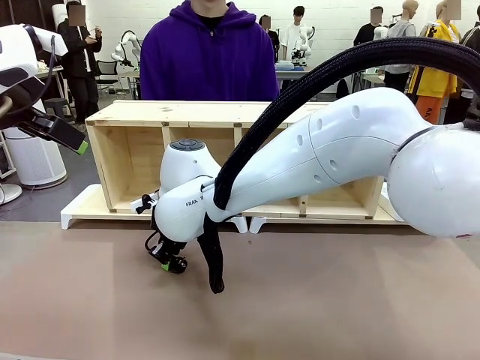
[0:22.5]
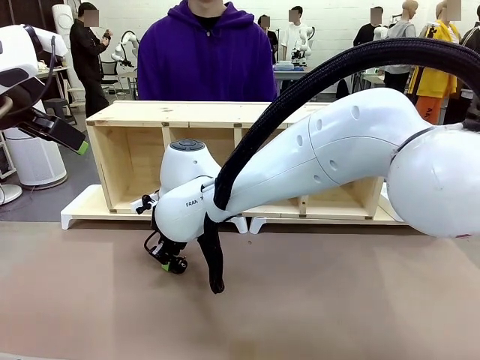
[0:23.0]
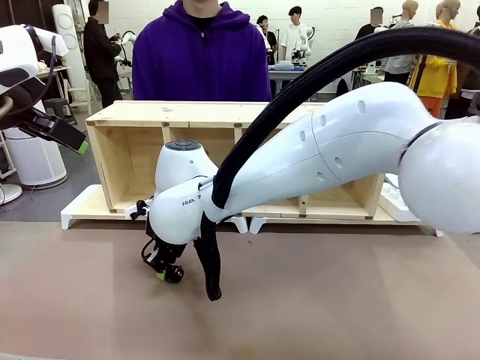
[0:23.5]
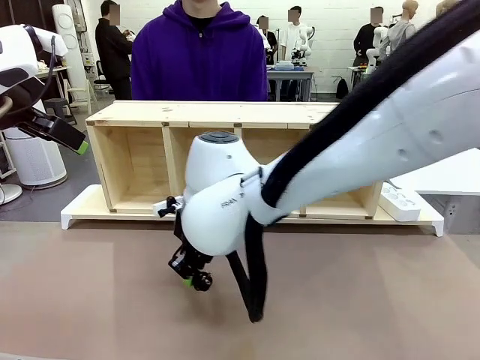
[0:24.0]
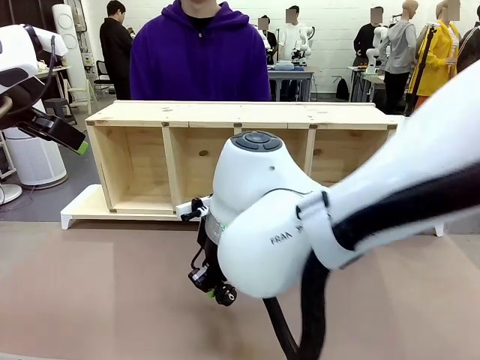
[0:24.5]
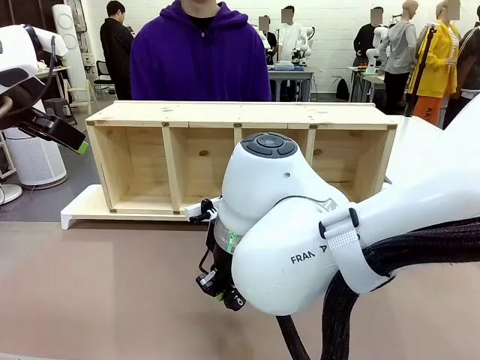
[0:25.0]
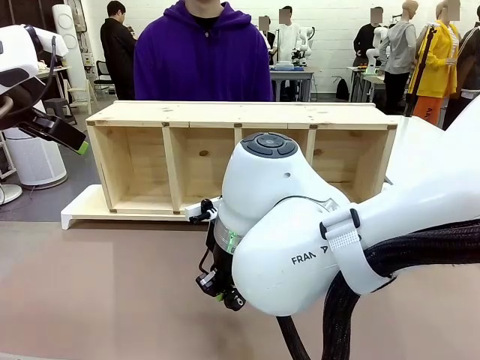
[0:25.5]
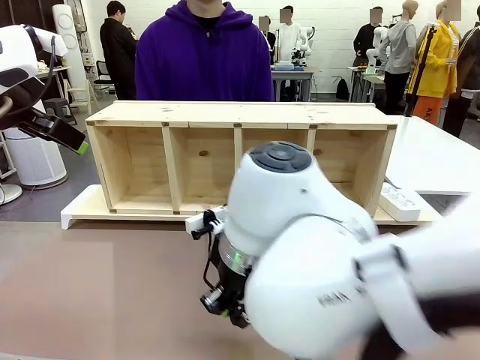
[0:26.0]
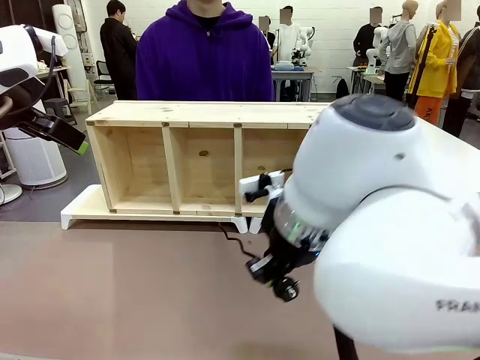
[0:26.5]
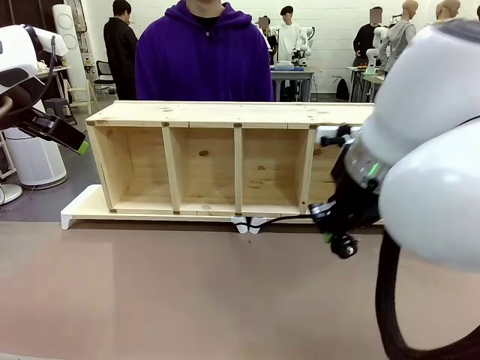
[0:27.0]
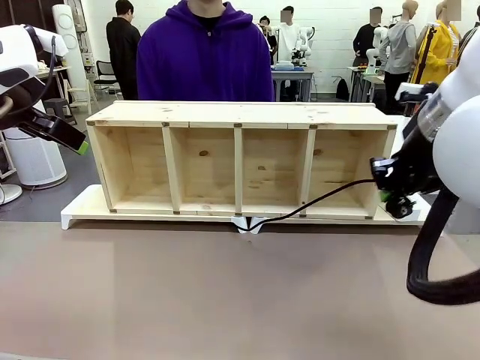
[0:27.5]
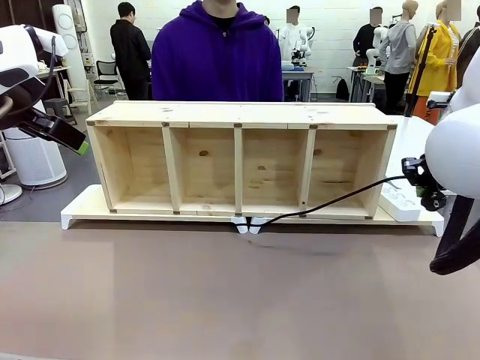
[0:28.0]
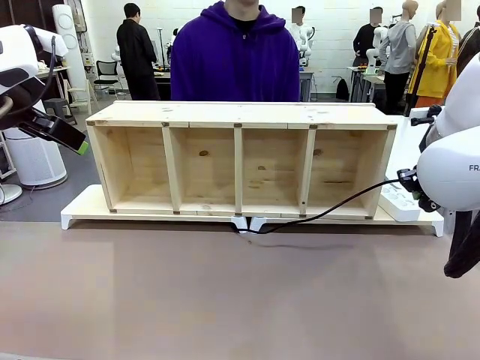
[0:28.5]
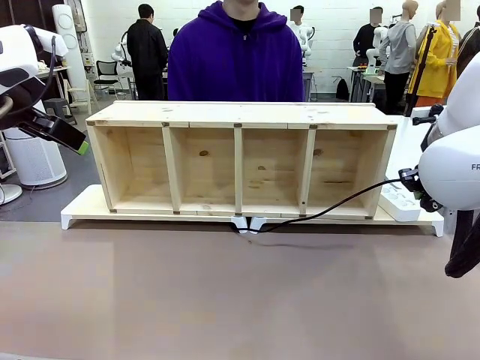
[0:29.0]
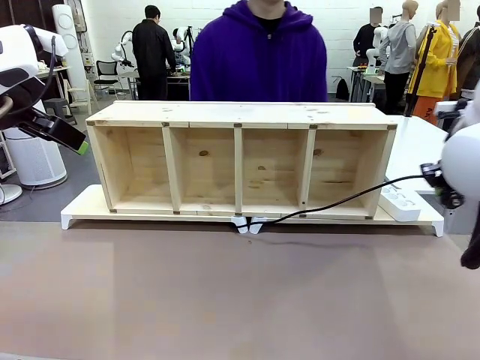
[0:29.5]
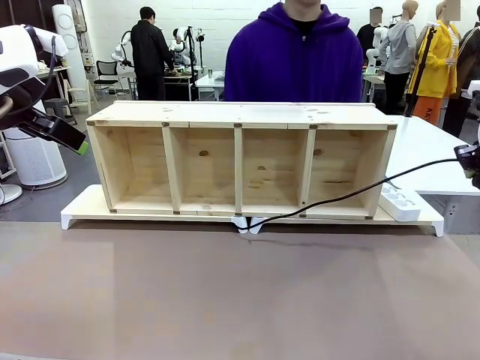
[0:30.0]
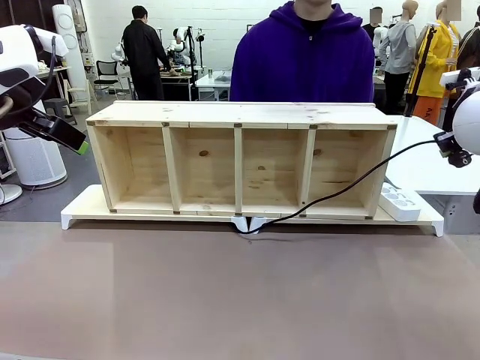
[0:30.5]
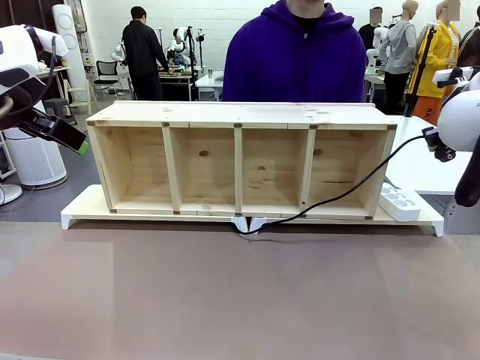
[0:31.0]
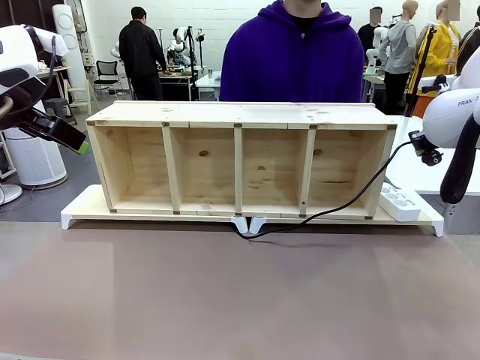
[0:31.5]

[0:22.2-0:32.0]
Task: Perform cable management.
Robot: Pull the grasped Power Cable to the location of the Power Strip.

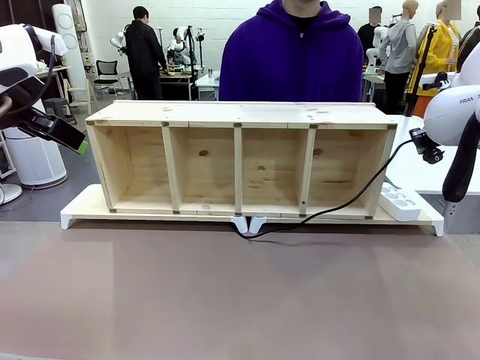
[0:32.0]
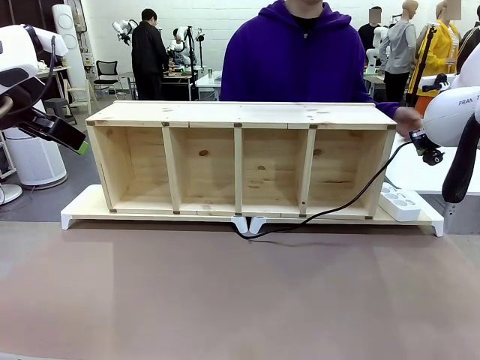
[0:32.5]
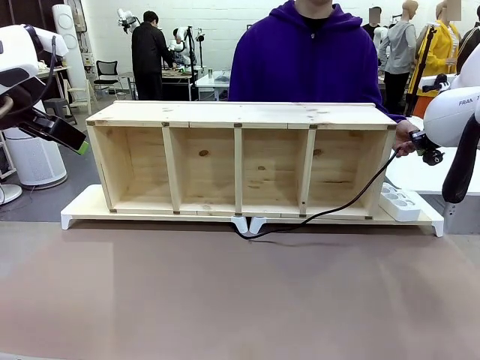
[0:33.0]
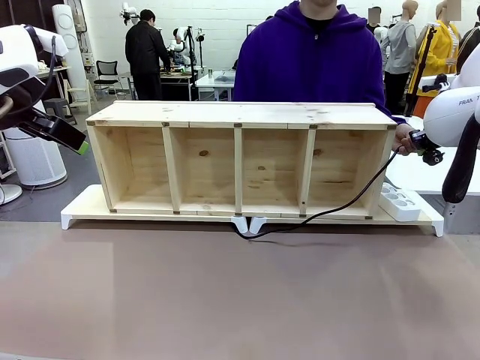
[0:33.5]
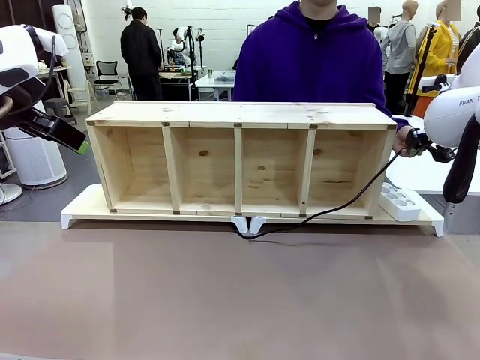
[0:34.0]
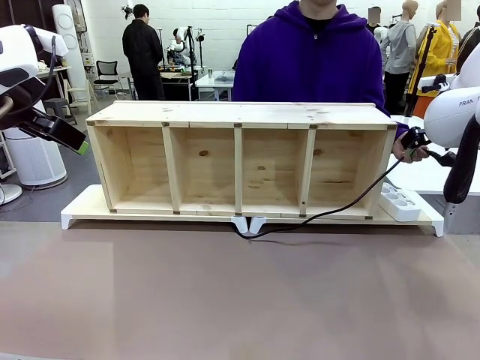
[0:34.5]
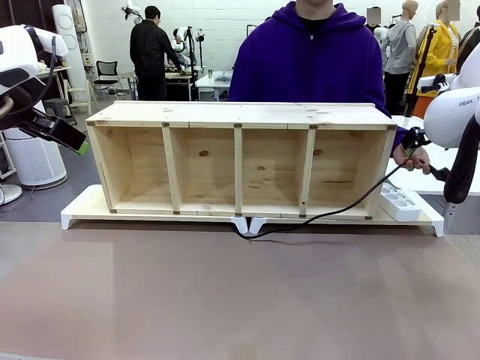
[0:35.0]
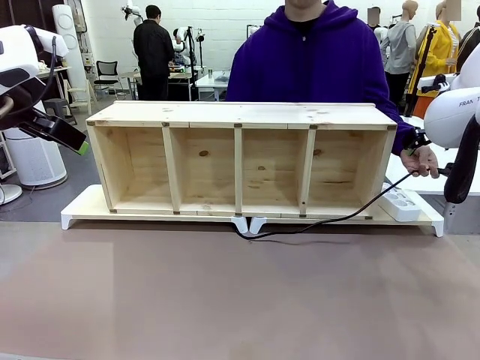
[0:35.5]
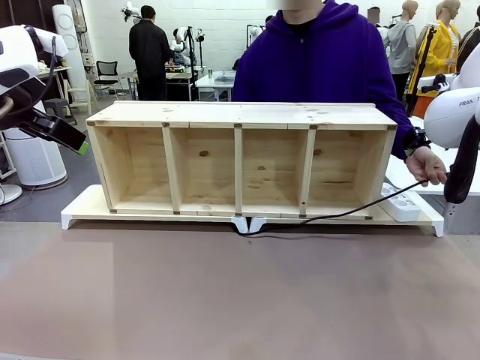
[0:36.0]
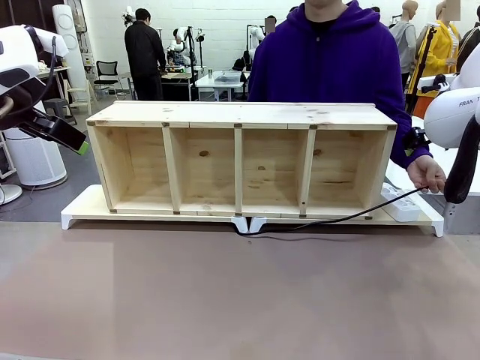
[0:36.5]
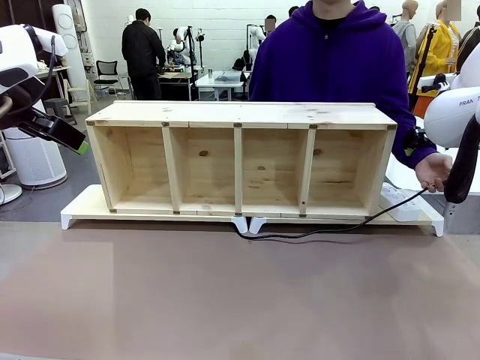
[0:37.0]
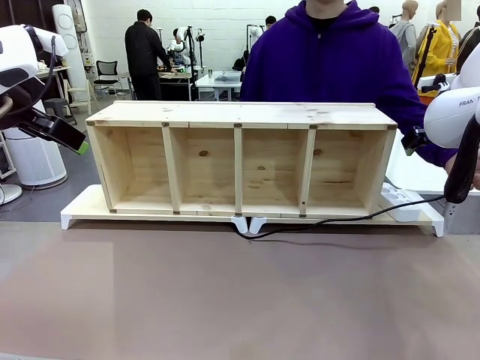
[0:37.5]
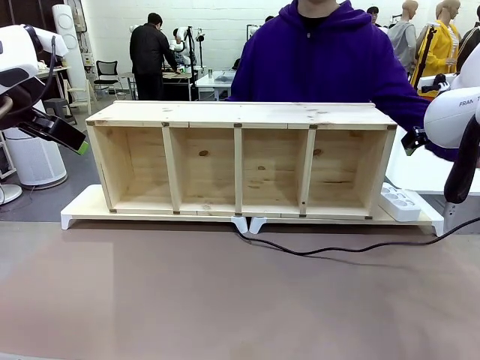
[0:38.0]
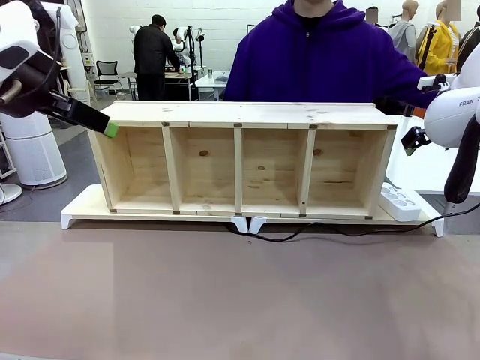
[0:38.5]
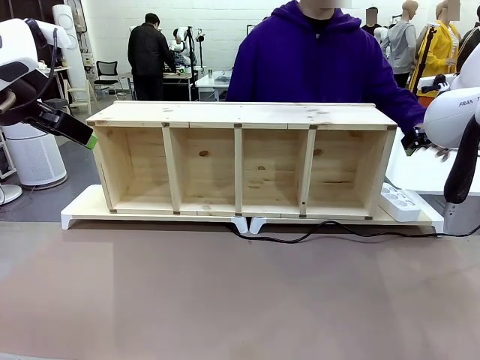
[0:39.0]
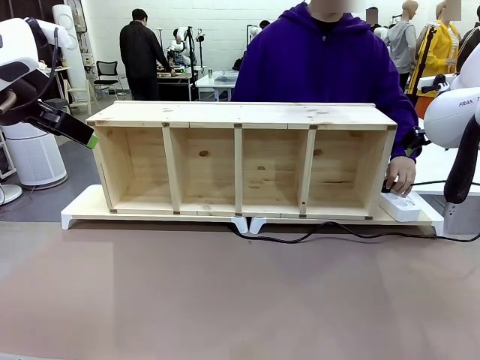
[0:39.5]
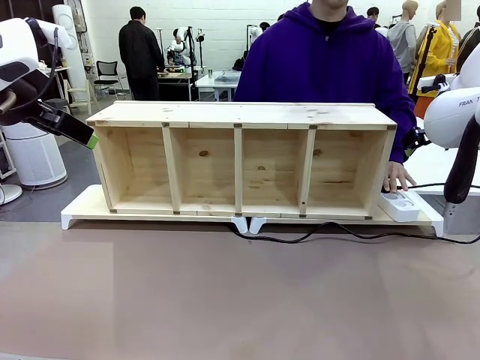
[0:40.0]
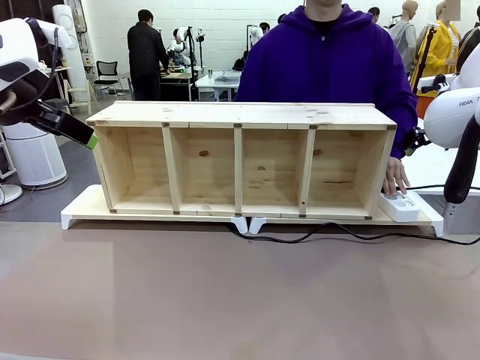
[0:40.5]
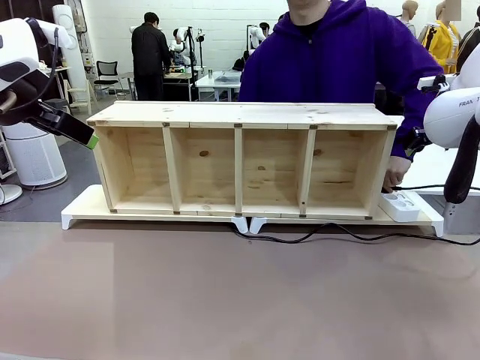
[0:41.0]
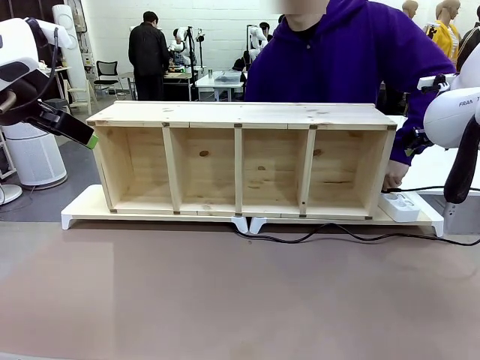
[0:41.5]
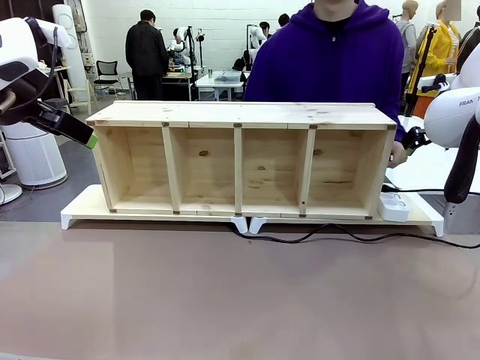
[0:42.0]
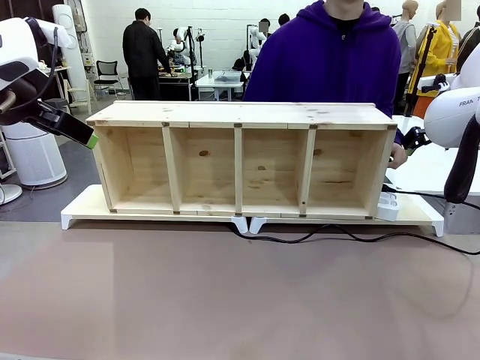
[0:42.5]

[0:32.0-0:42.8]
Robot: Release the Power Cable when the human grasps it.
Person: Plug the Power Cable into the Power Strip.

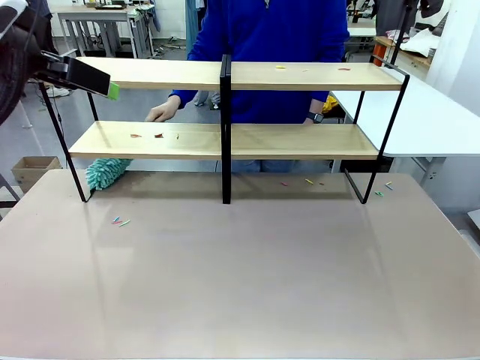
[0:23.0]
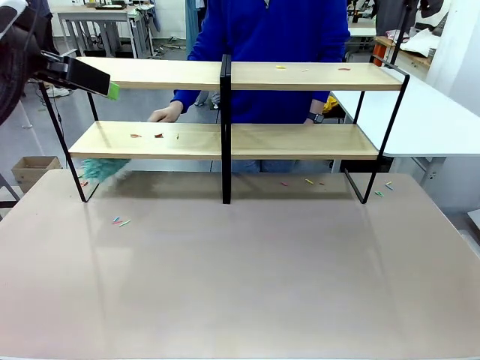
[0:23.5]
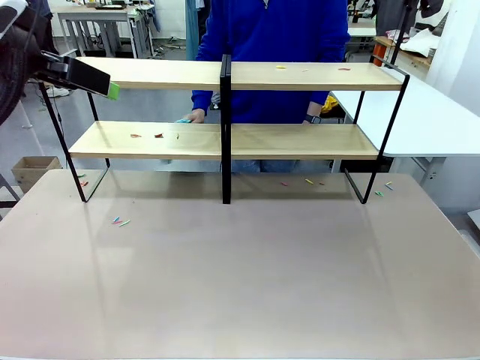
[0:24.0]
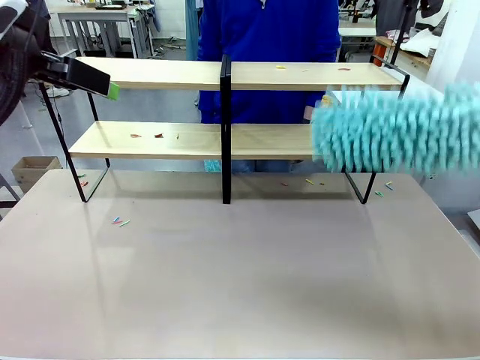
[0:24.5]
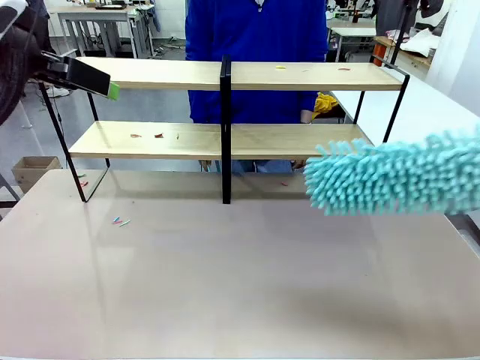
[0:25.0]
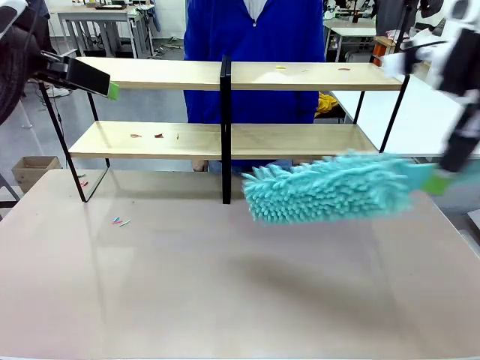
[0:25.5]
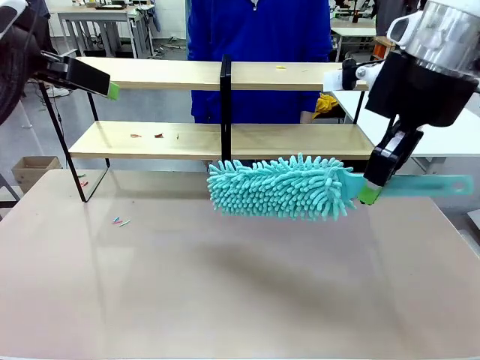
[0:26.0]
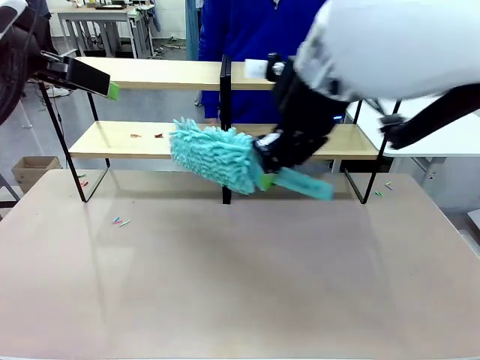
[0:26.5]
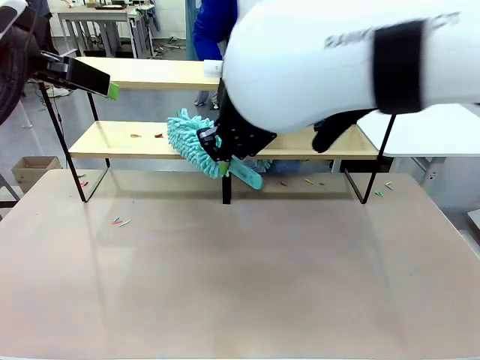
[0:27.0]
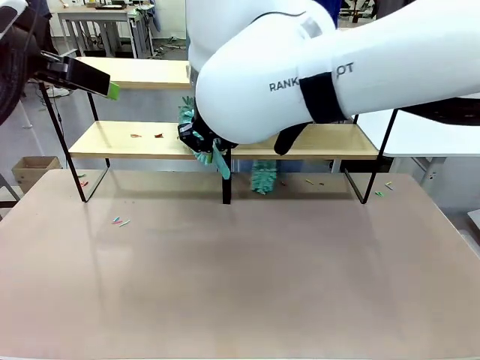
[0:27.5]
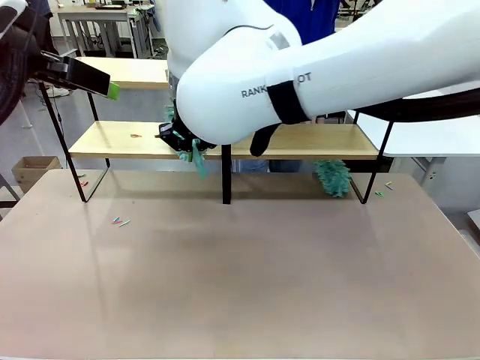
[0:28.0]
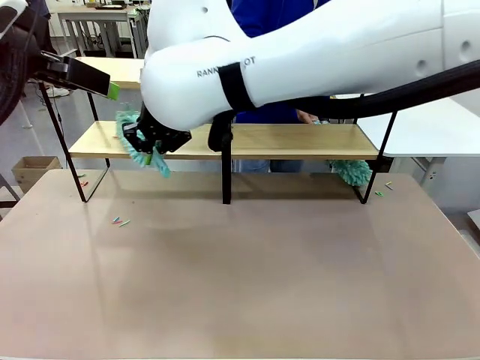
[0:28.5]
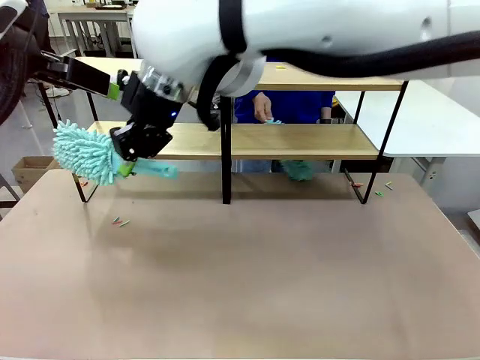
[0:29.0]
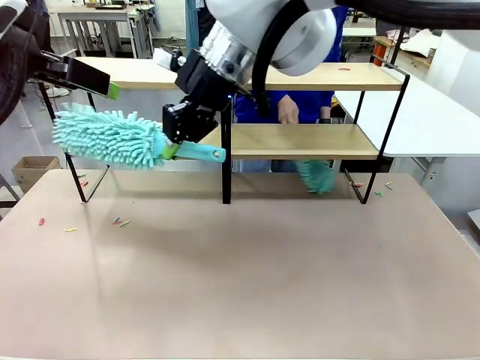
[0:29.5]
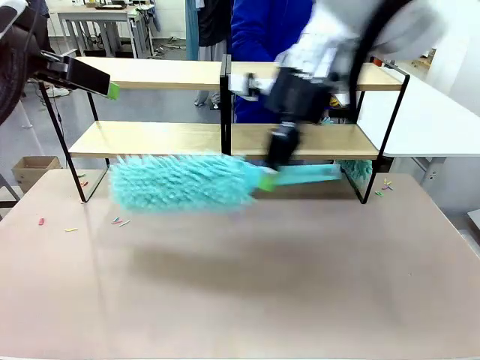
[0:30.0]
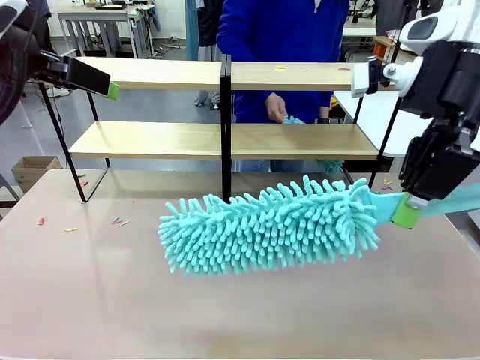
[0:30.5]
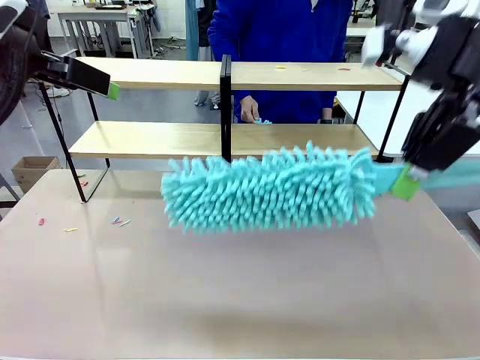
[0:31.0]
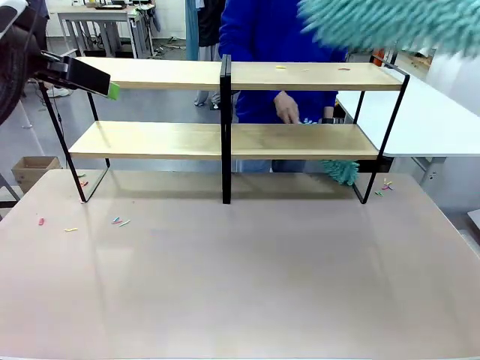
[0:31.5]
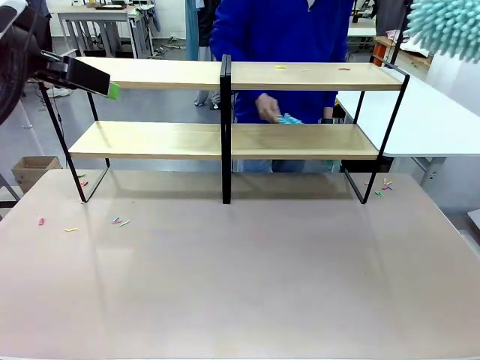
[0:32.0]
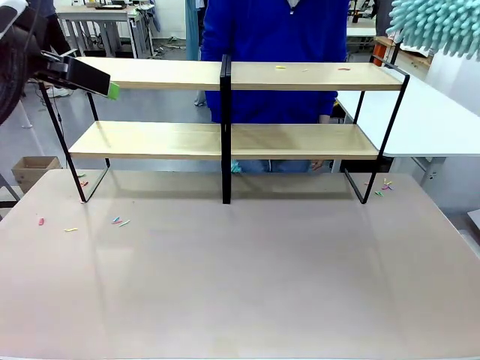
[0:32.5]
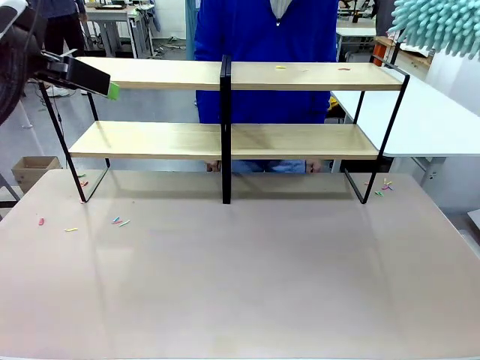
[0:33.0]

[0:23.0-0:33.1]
Task: Clean the shelves.
Robot: Clean another randomly selected level of the Shelf with the Duster.
